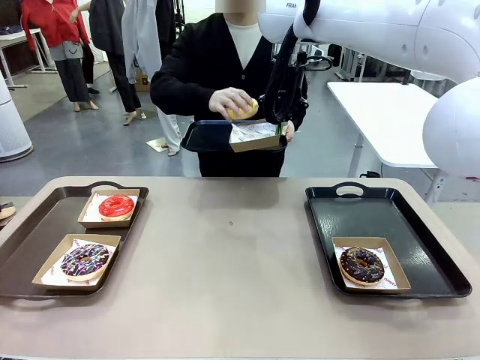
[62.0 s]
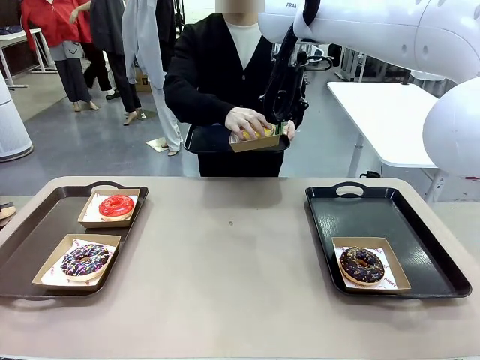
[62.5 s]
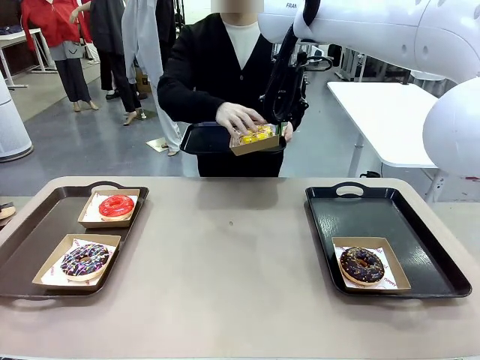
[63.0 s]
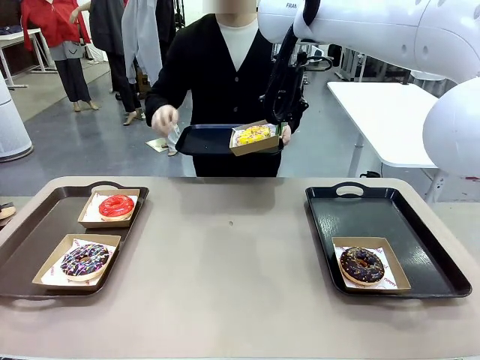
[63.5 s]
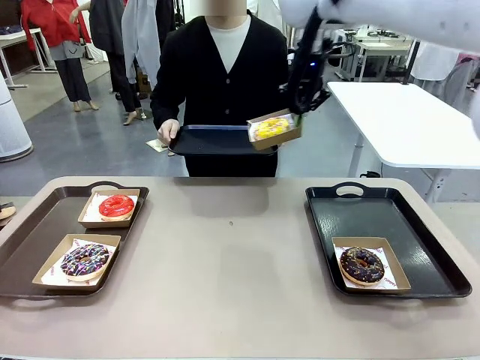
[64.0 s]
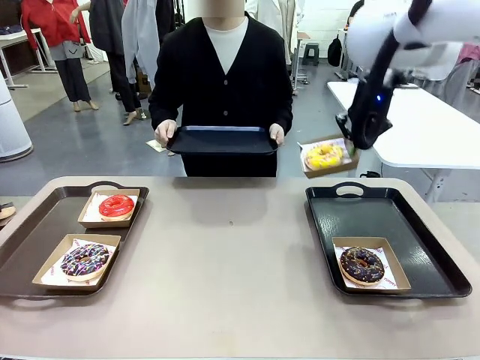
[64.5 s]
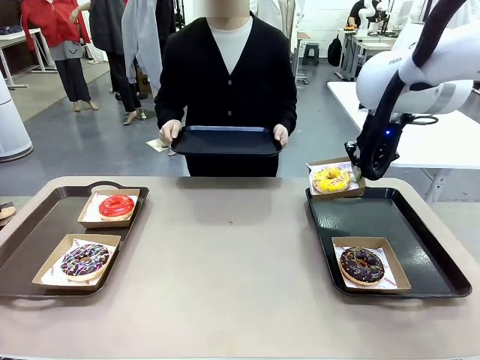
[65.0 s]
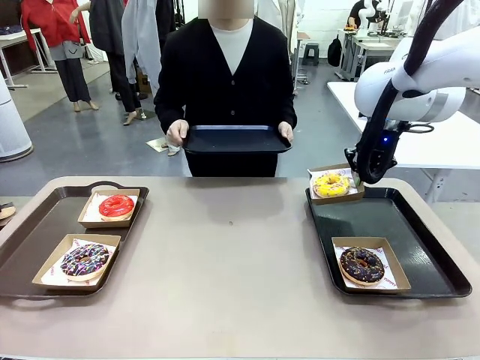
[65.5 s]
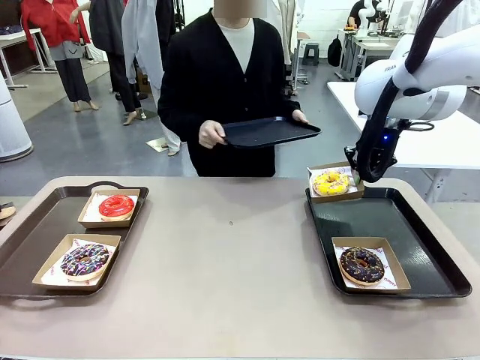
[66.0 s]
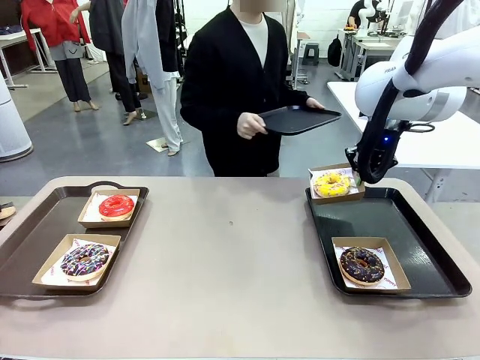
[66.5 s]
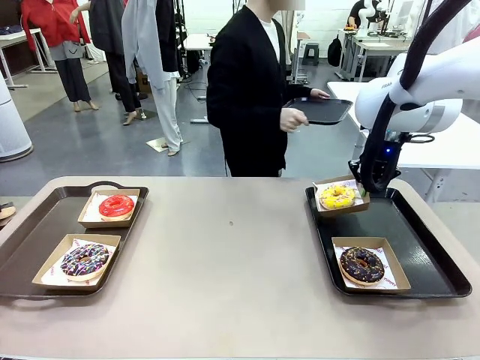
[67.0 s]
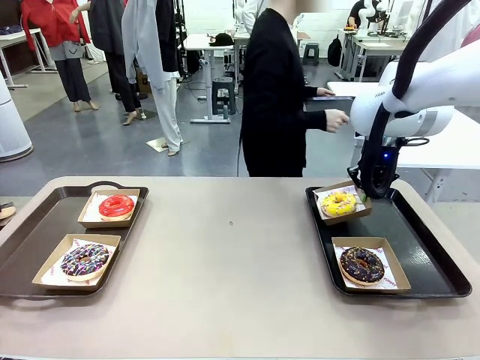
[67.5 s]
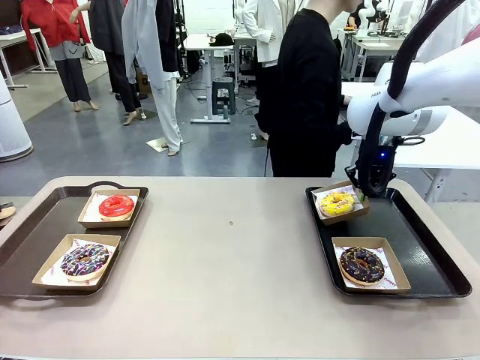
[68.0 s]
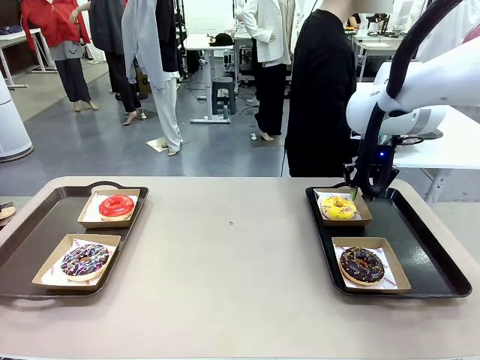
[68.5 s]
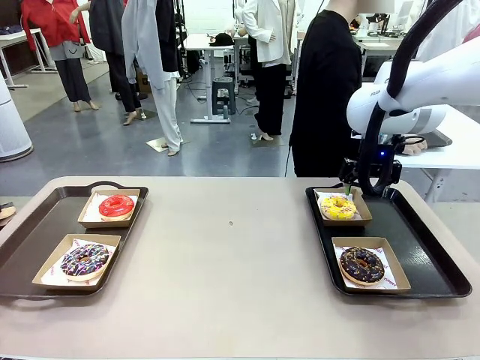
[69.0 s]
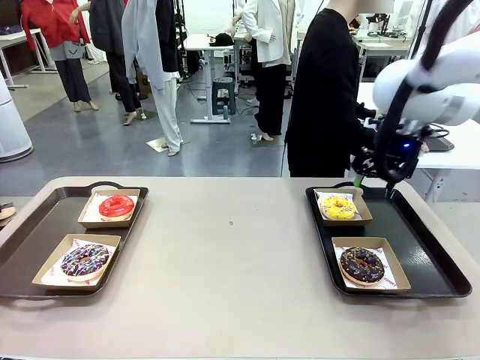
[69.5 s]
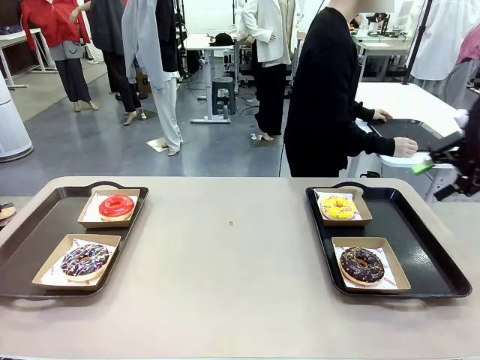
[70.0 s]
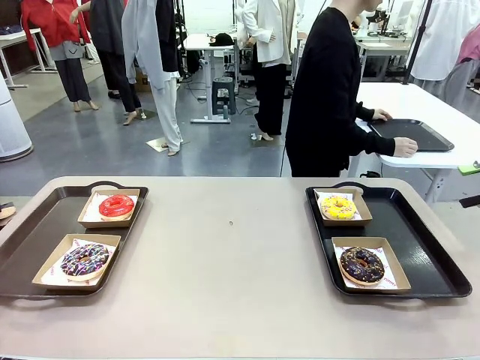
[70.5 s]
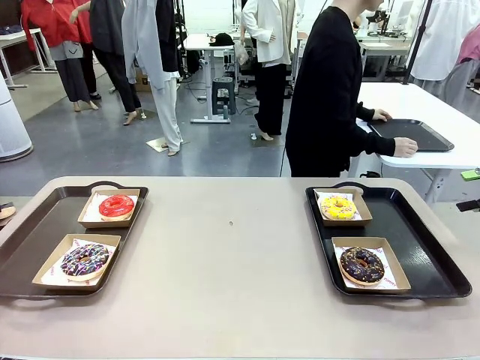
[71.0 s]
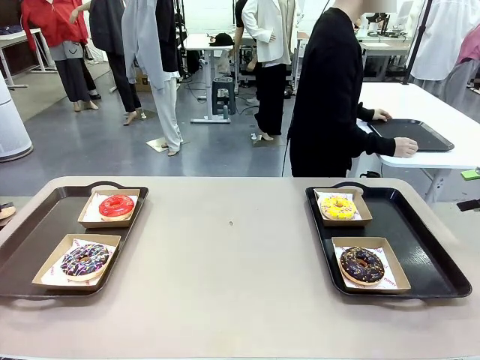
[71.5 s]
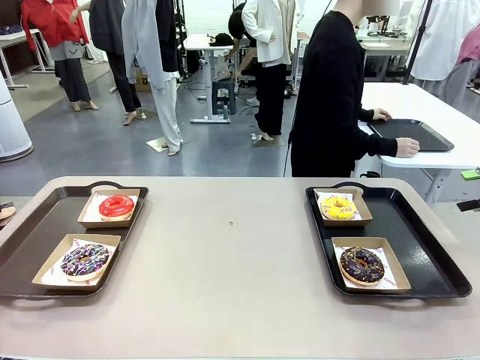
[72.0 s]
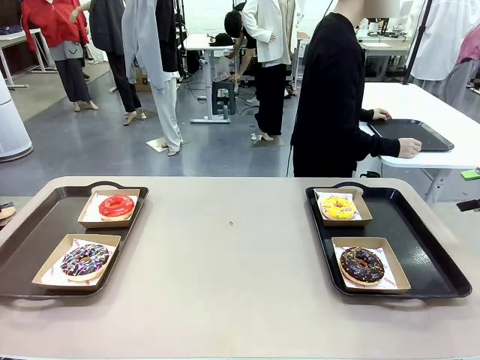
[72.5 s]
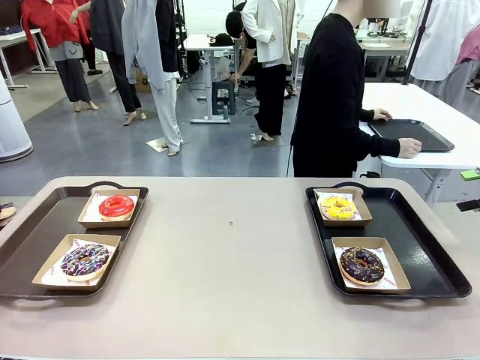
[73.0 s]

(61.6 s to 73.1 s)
Task: Individually package the donuts and arrange them on the tray.
Robot: Place the picked Paper togo box on the Handle tray.
Person: Place the tray down in the middle of the human table.

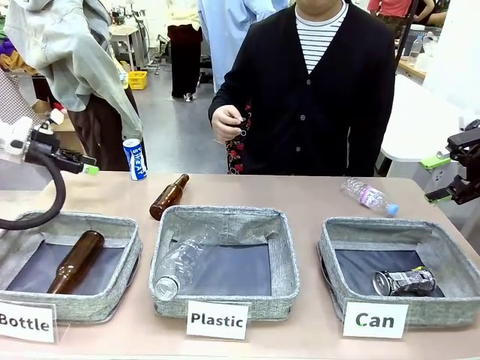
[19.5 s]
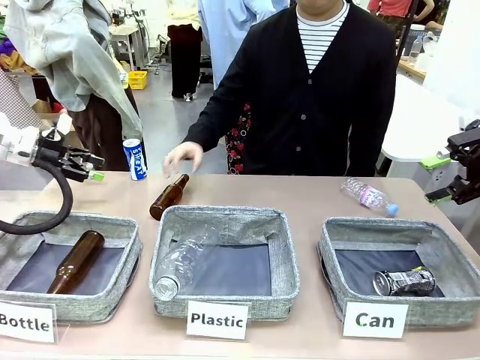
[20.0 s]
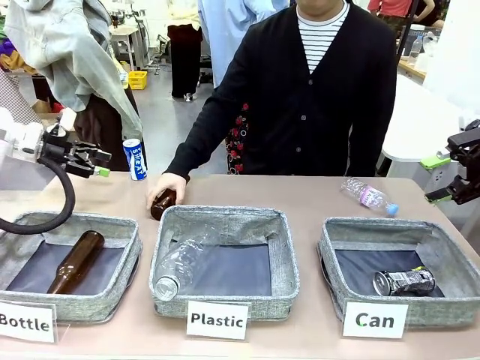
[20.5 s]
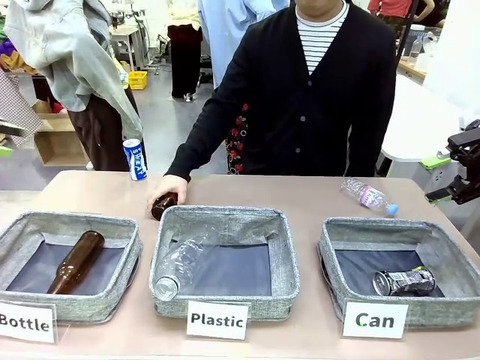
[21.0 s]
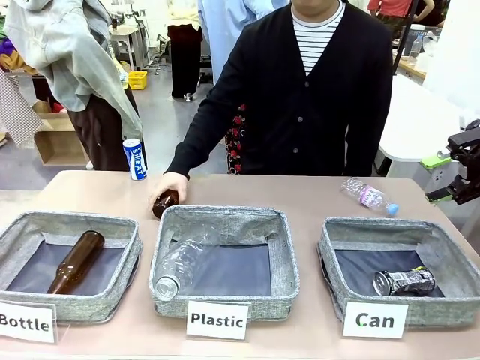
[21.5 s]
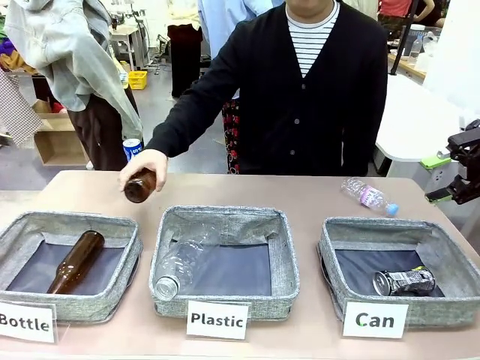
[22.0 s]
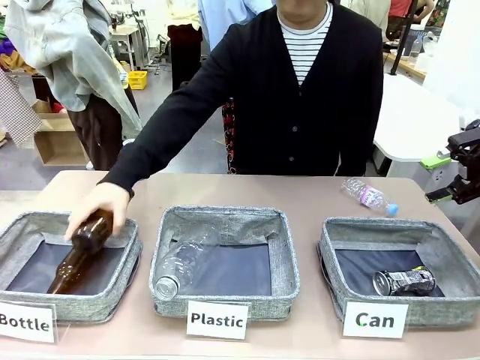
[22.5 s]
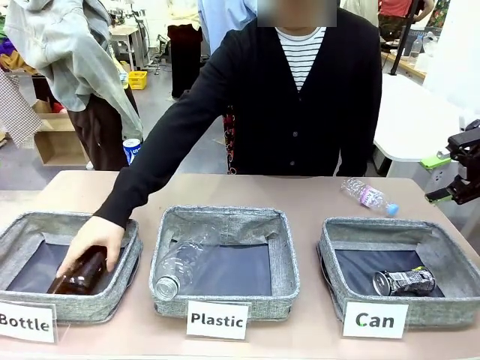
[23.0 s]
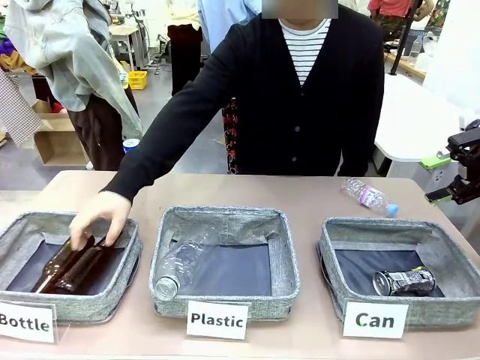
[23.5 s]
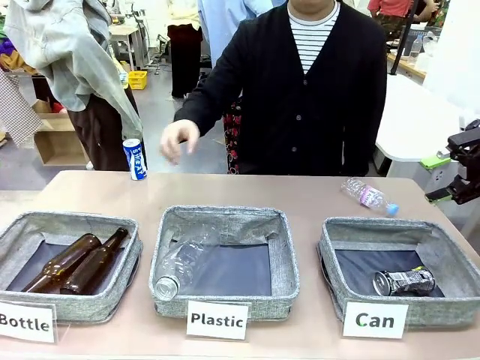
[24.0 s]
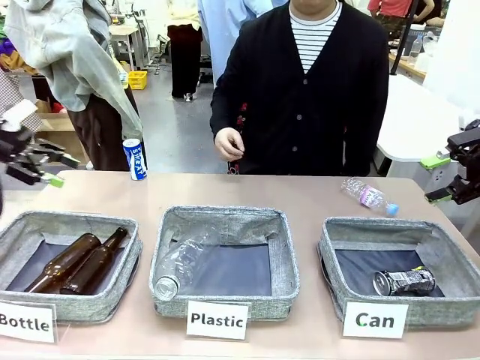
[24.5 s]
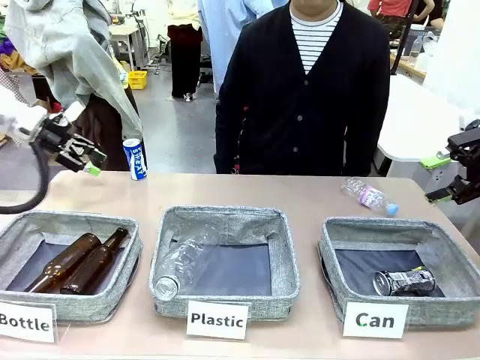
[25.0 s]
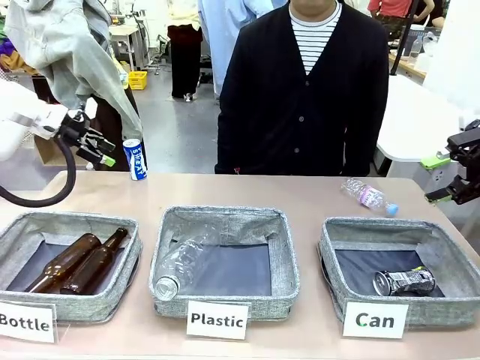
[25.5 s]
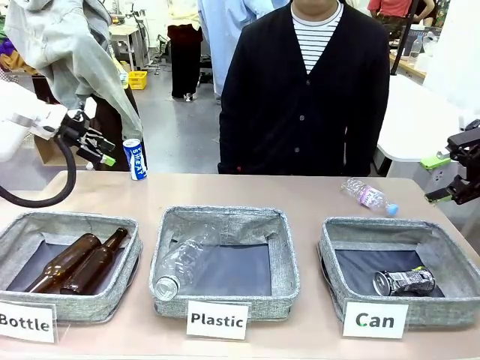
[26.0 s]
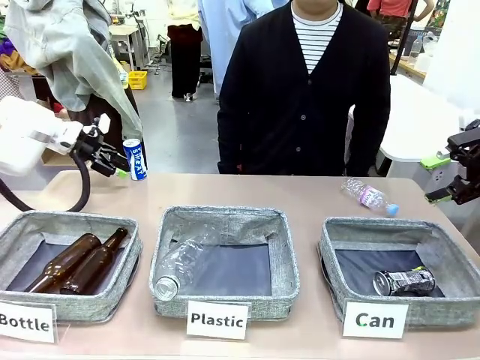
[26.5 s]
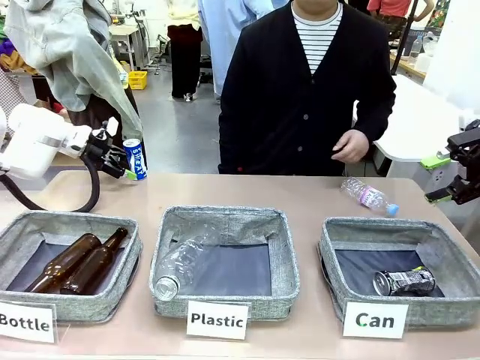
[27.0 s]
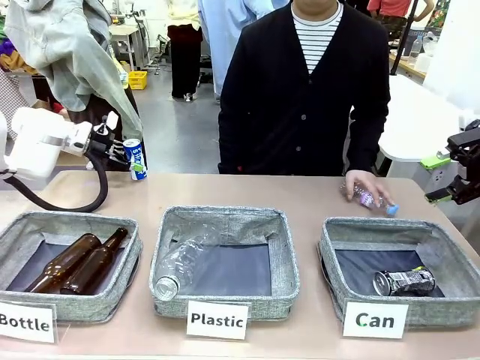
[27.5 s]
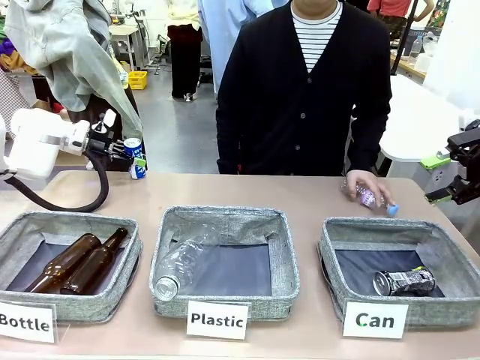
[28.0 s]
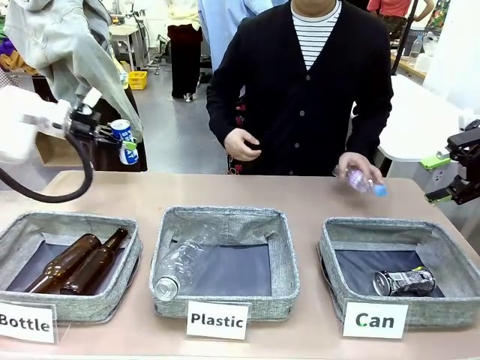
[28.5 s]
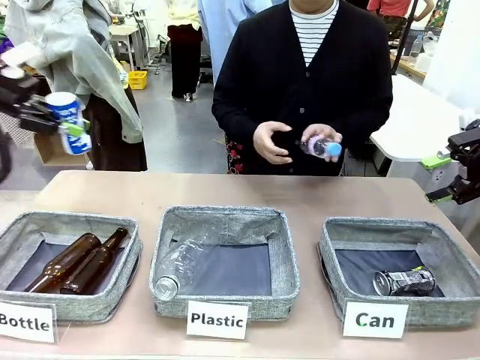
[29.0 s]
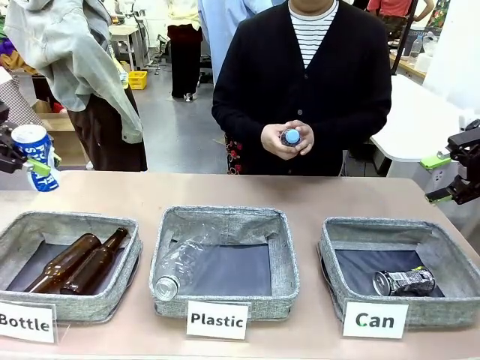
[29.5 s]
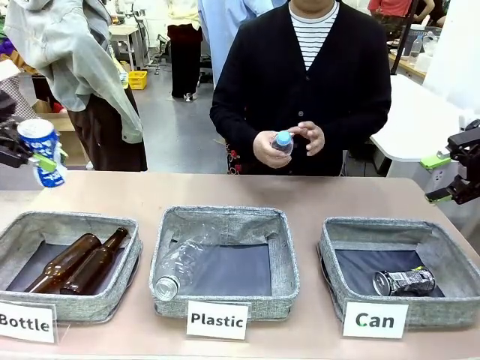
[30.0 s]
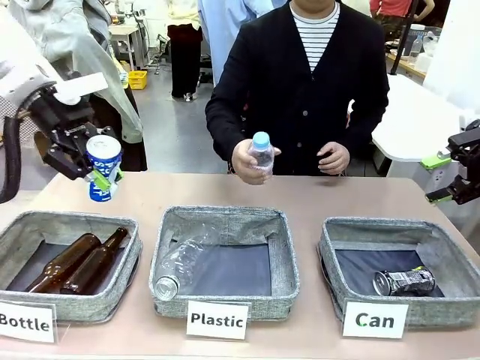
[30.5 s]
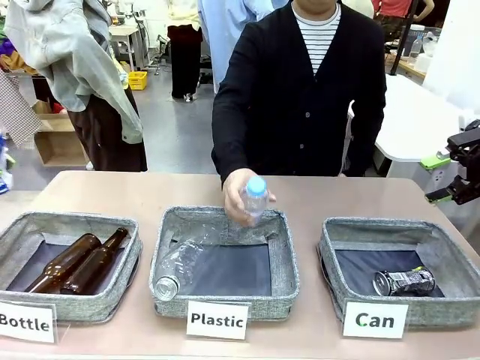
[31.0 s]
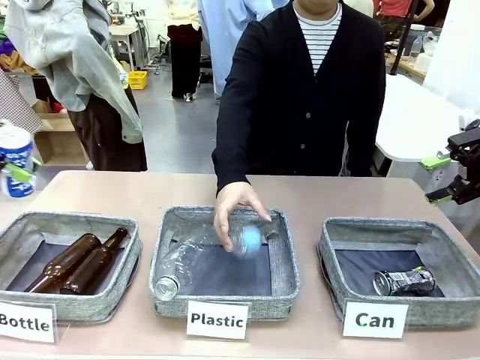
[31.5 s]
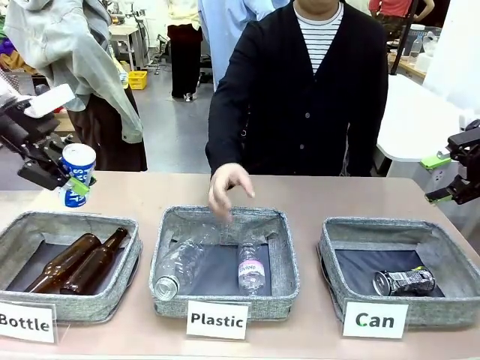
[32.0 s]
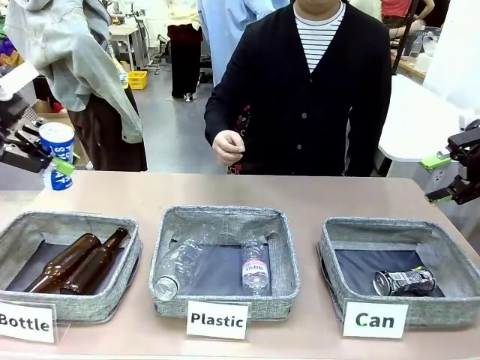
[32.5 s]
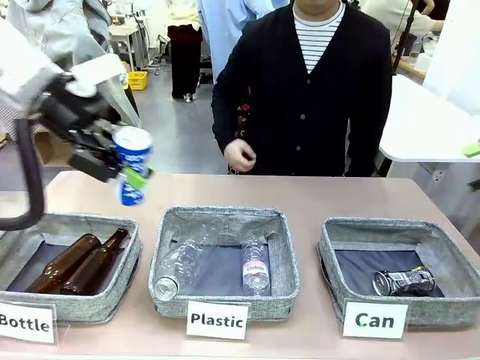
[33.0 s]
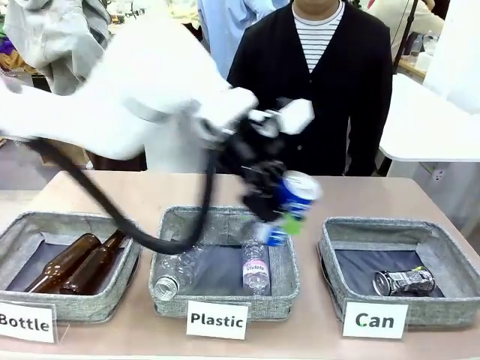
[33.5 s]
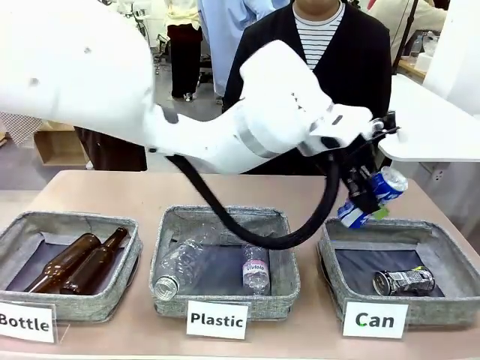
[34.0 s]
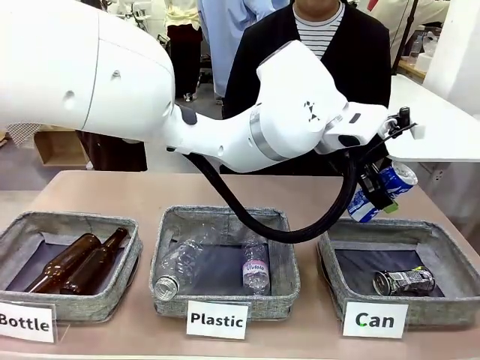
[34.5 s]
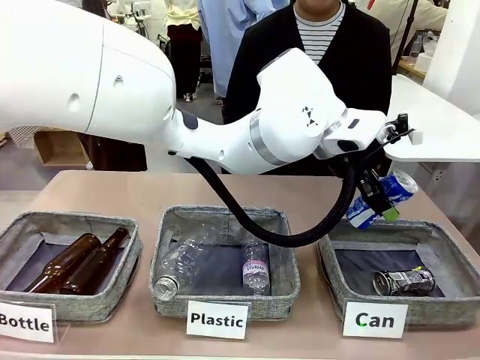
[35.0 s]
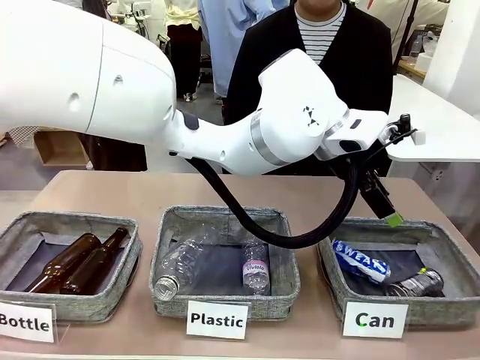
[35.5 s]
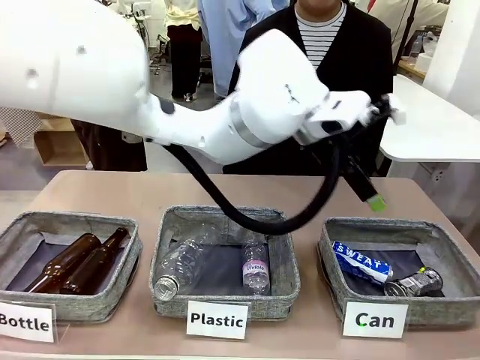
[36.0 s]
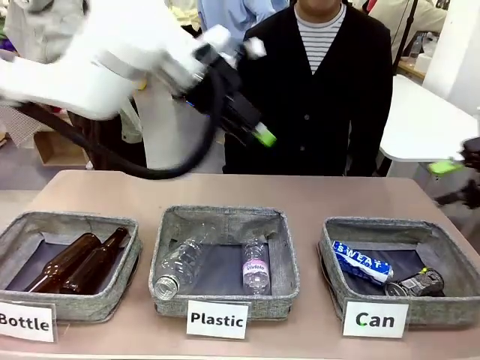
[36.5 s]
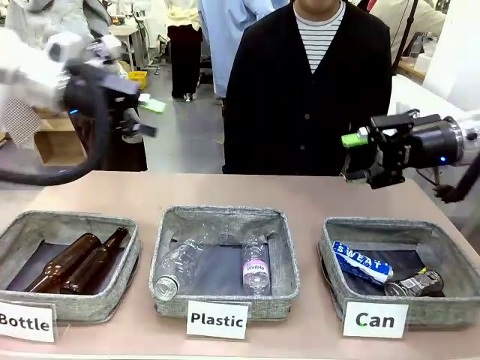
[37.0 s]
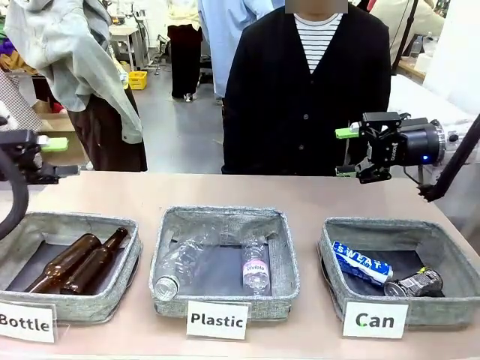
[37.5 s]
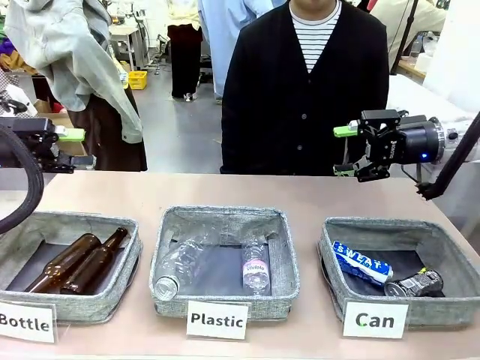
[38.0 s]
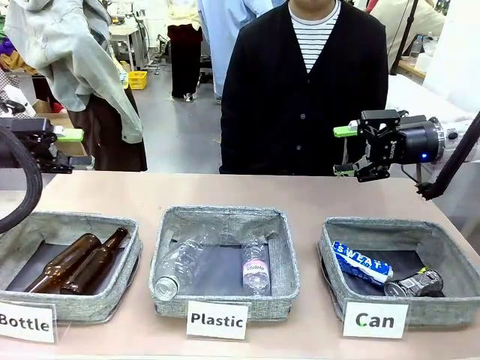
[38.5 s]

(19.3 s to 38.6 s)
Task: Sort the can waste into the basket.
Robot: Pick up the can waste from the table and place it in the right Fabric basket.
